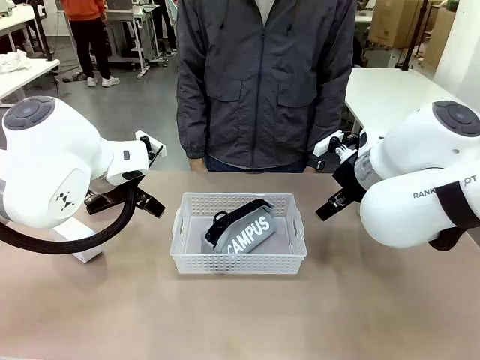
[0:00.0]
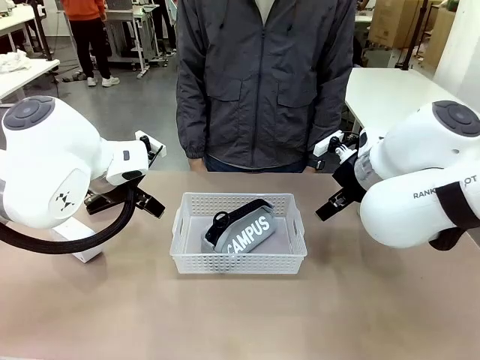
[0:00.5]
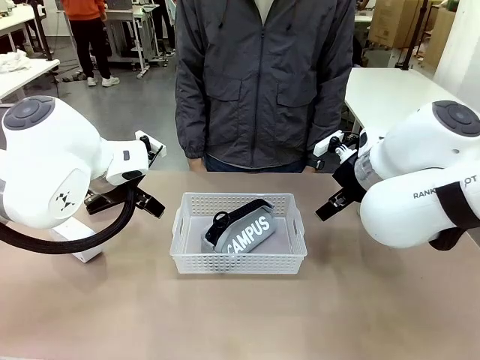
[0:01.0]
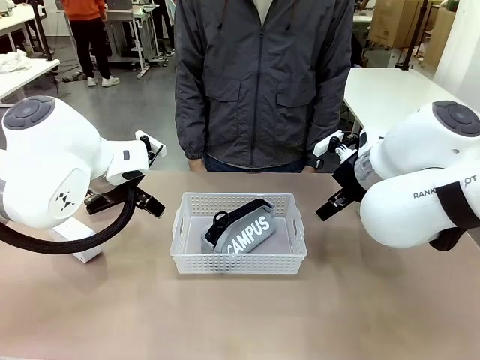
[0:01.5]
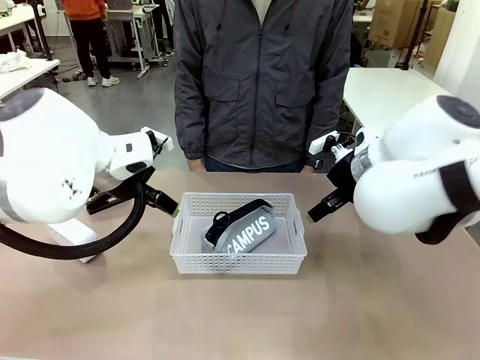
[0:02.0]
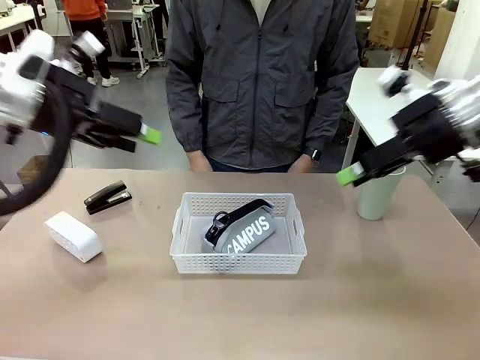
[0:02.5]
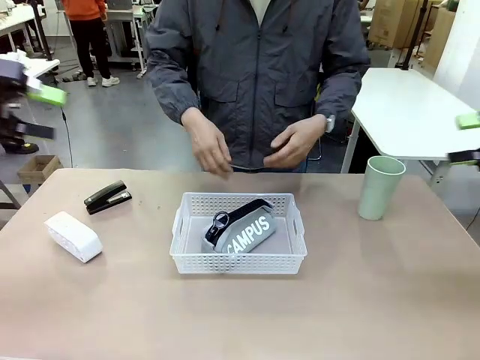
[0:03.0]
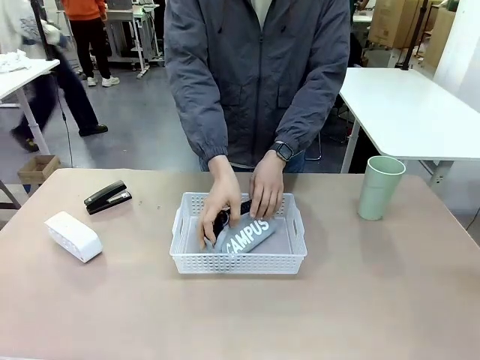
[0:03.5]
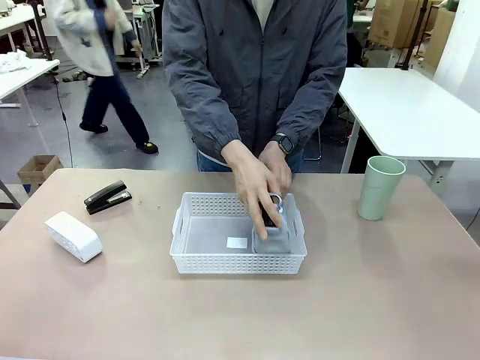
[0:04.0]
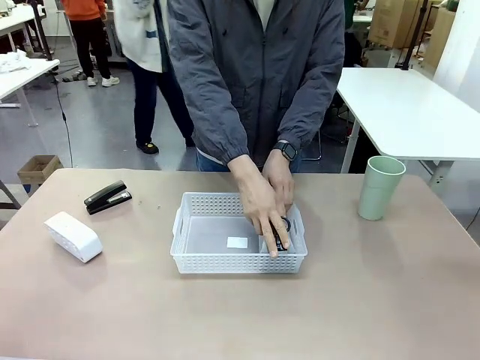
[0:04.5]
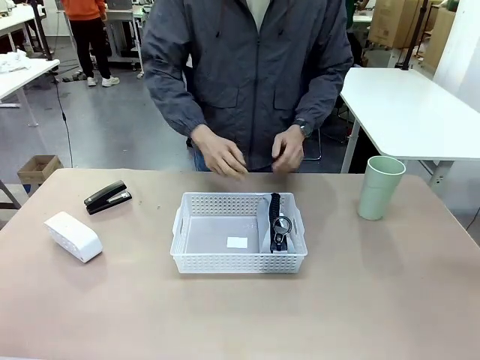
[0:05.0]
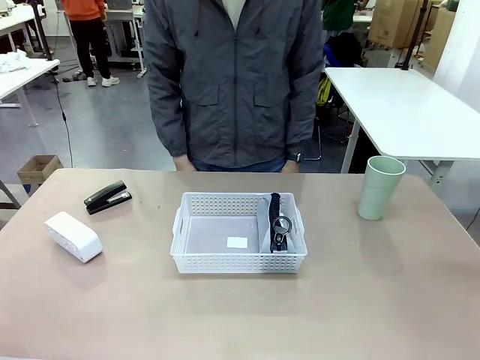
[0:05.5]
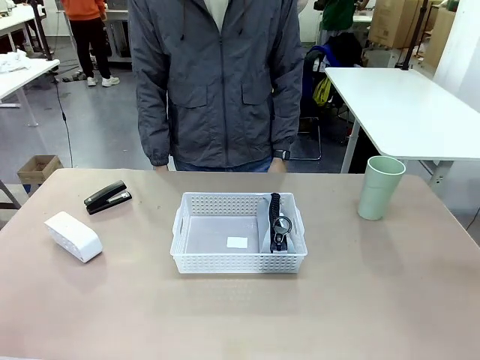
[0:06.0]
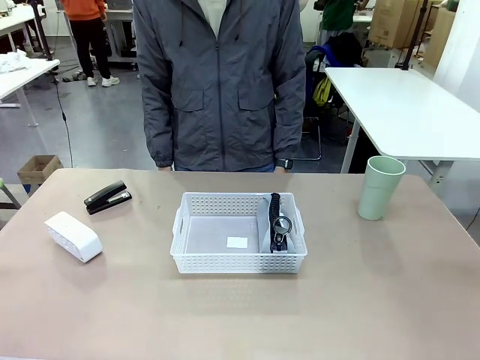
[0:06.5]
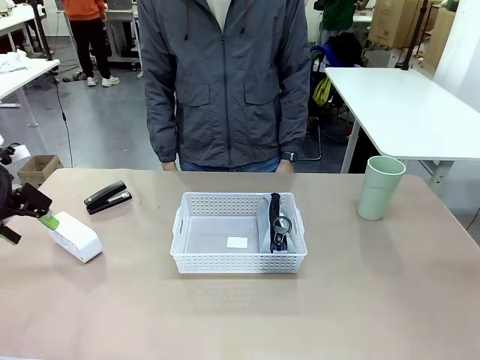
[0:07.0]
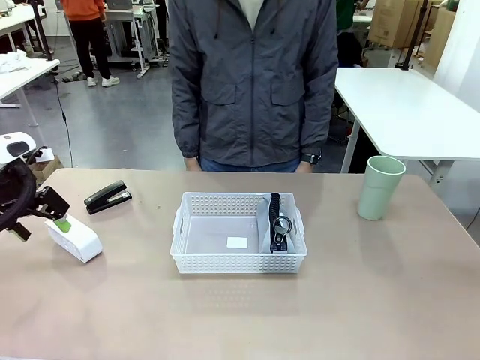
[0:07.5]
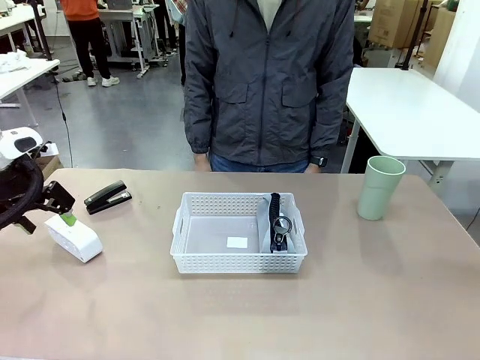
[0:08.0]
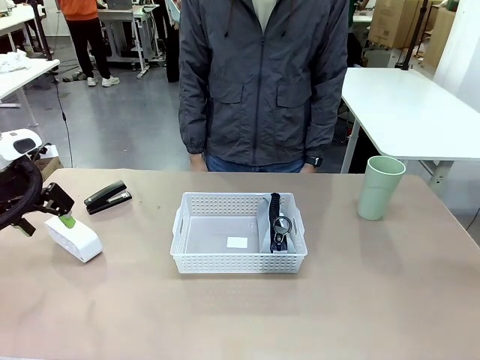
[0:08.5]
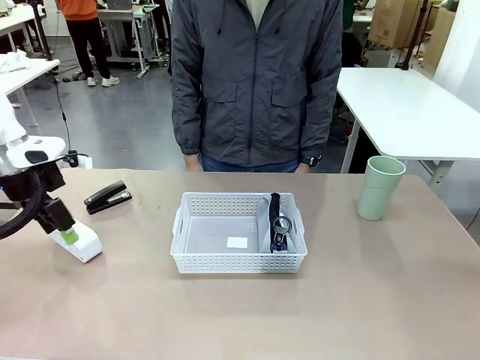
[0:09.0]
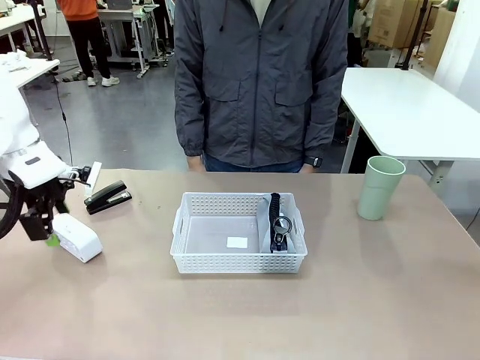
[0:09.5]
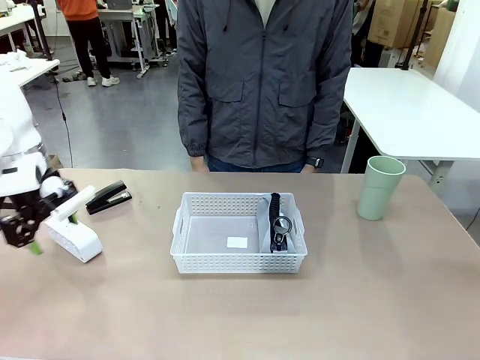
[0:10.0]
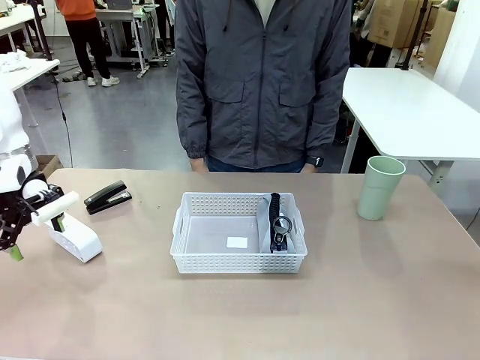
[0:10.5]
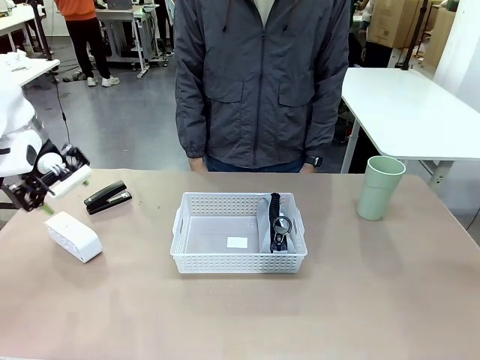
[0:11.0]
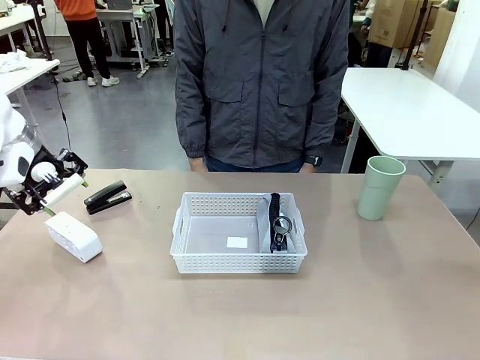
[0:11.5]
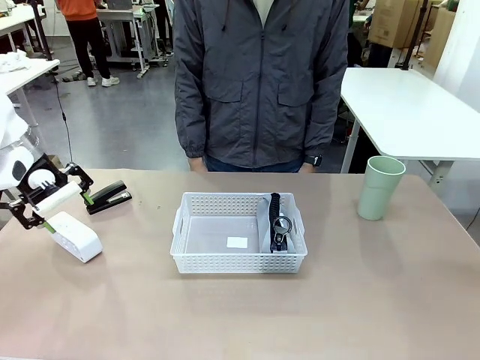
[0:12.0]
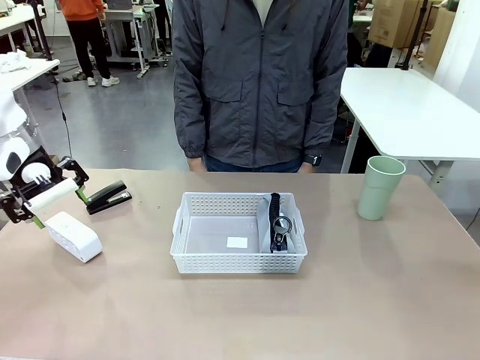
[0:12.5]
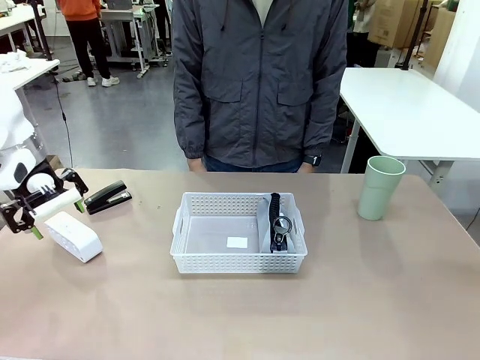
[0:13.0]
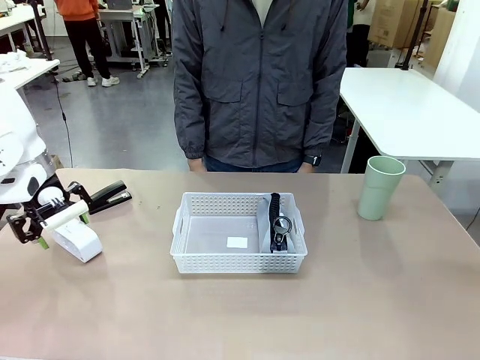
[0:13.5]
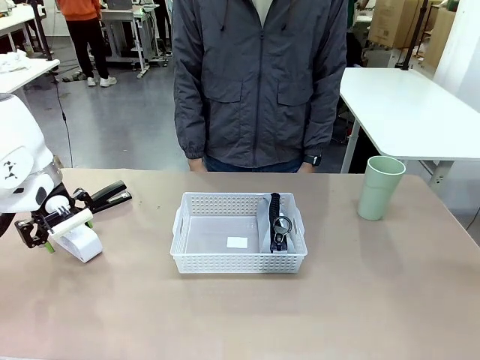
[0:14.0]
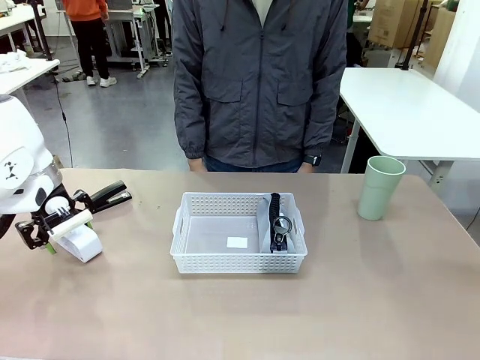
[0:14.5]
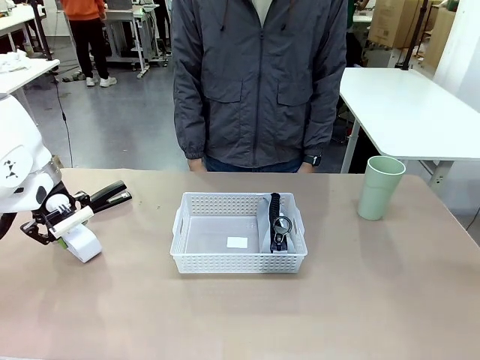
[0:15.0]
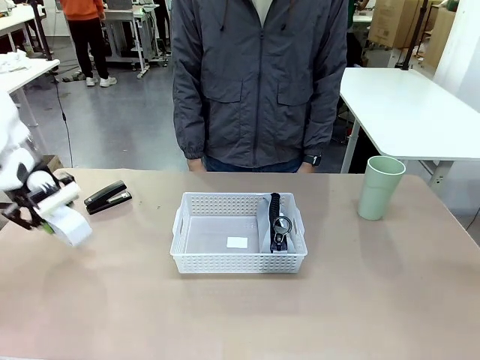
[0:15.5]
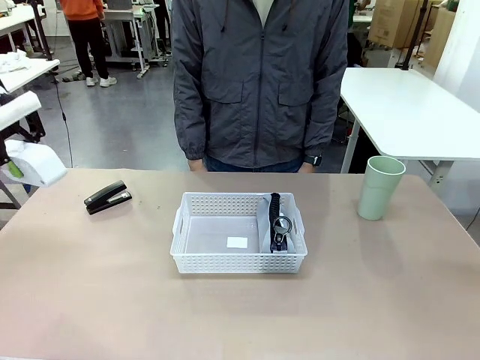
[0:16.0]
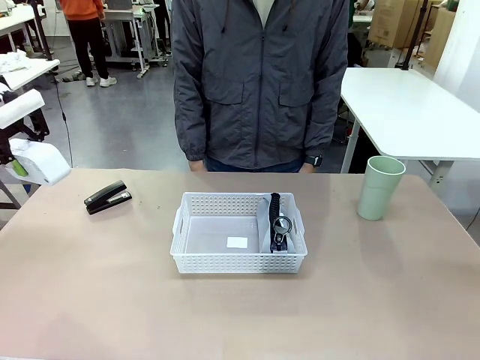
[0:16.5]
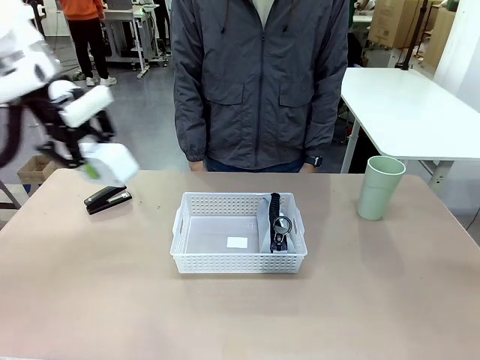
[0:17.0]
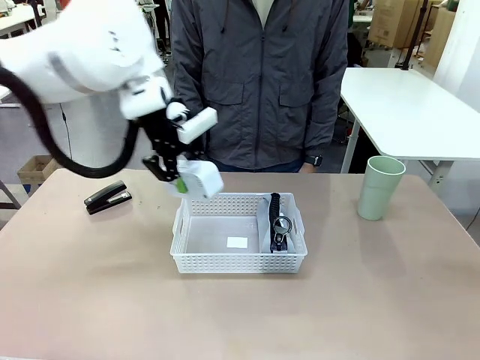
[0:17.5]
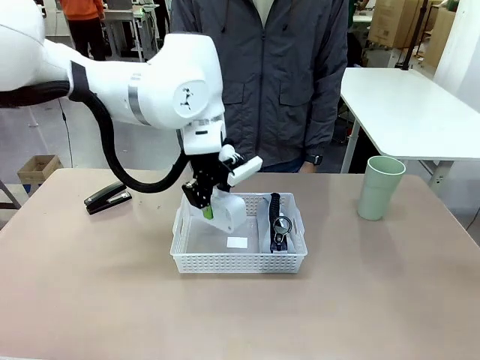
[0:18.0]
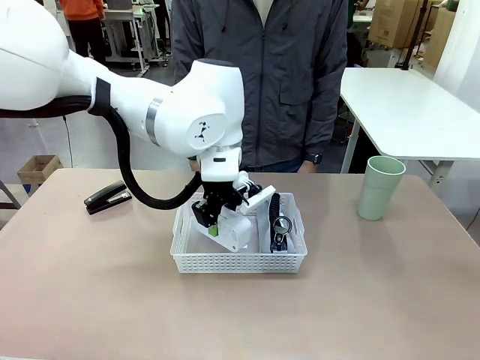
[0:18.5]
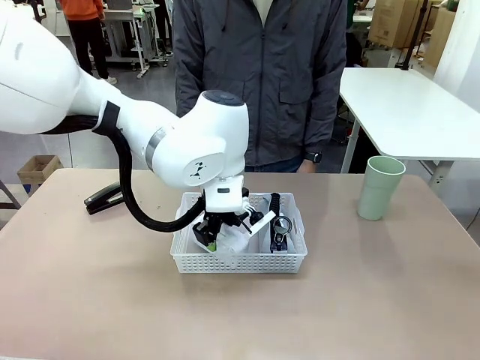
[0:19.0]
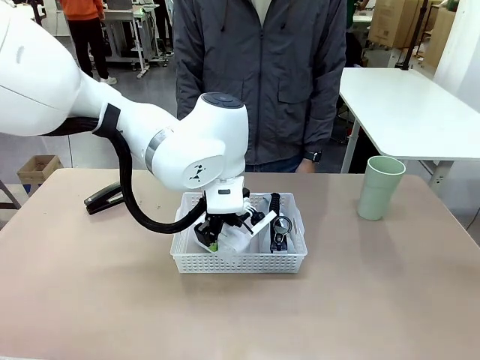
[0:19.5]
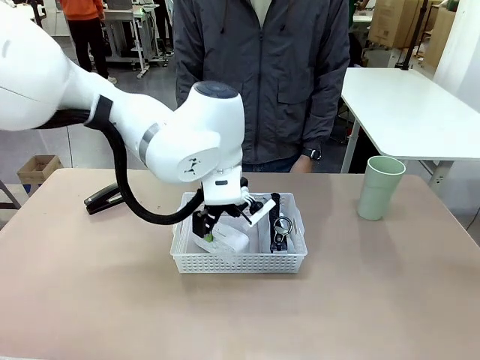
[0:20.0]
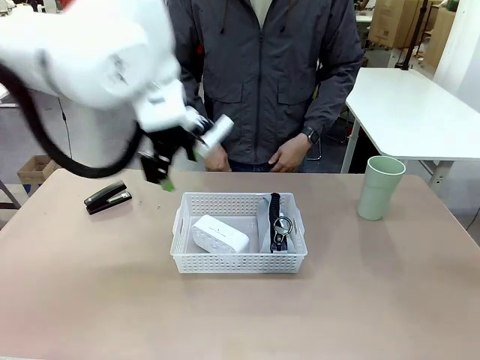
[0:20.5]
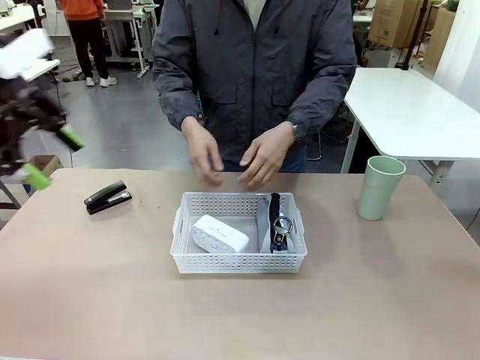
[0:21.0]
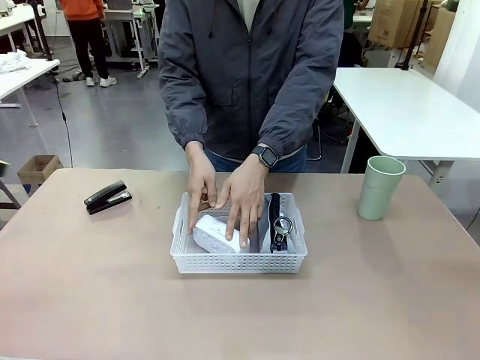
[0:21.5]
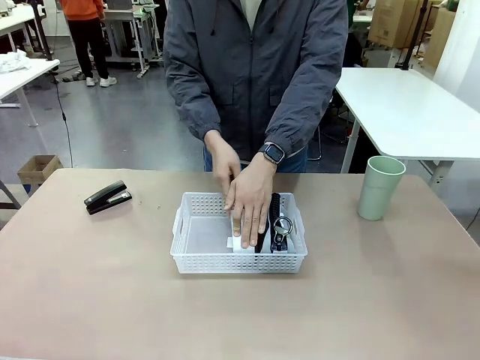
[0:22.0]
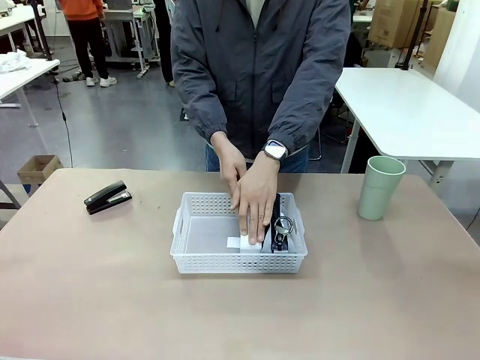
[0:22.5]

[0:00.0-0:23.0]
Task: Efficiently arrange items inside the basket to fit them all.
Robot: Pick up the Digital clock and place it inside the Organizing basket.
Person: Repositions the pencil case. Repositions the digital clock.
